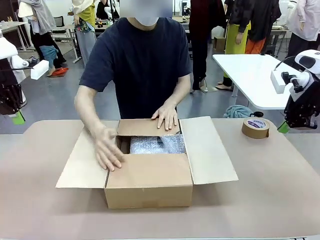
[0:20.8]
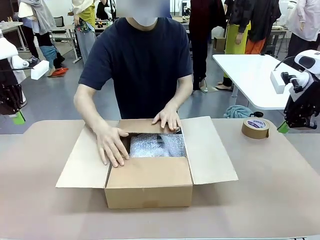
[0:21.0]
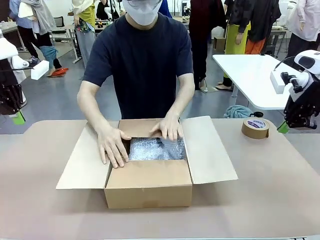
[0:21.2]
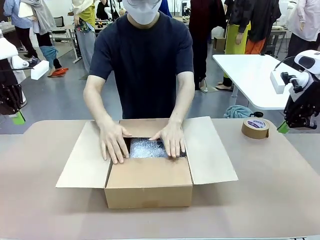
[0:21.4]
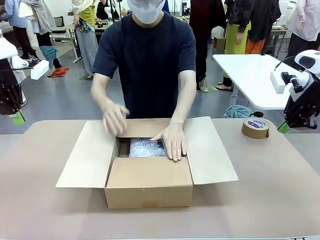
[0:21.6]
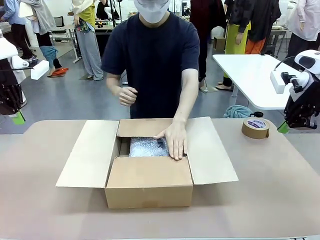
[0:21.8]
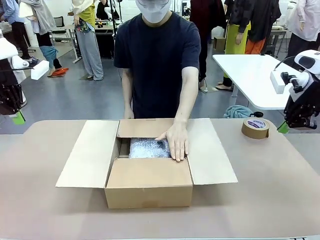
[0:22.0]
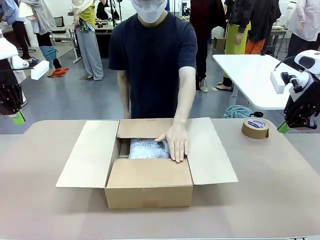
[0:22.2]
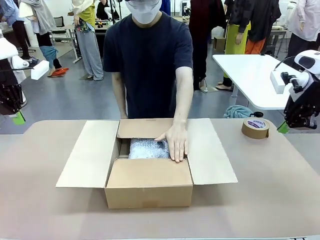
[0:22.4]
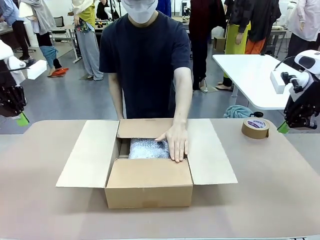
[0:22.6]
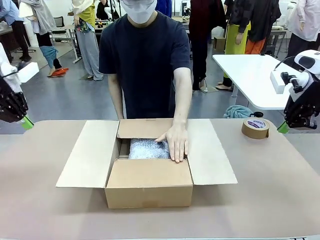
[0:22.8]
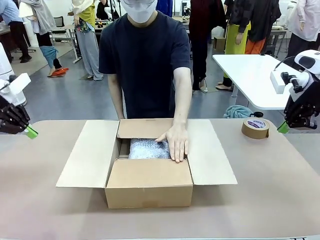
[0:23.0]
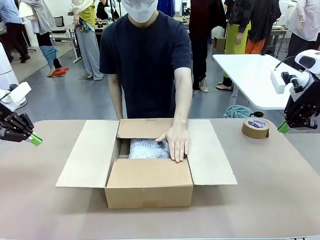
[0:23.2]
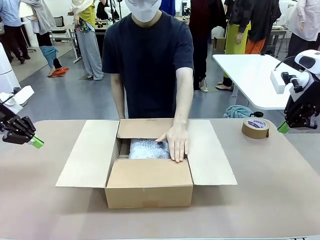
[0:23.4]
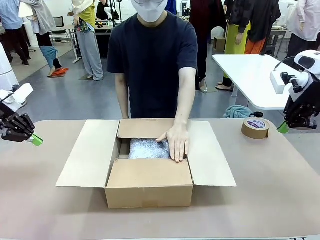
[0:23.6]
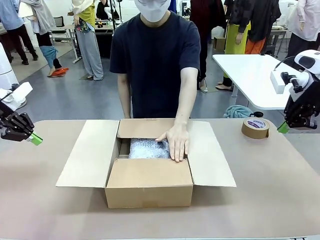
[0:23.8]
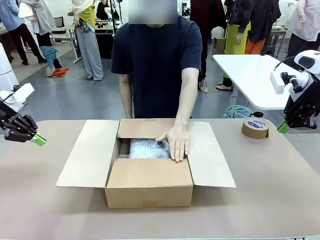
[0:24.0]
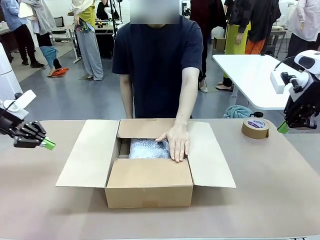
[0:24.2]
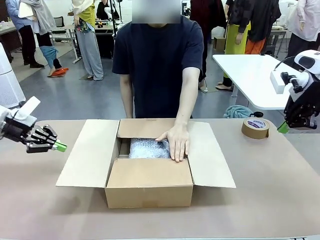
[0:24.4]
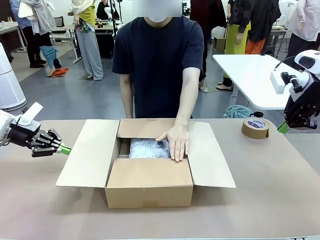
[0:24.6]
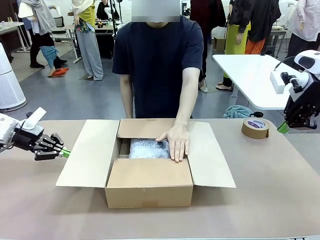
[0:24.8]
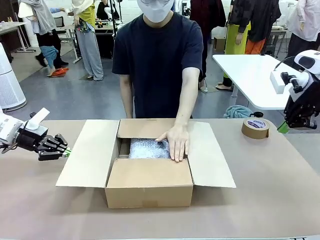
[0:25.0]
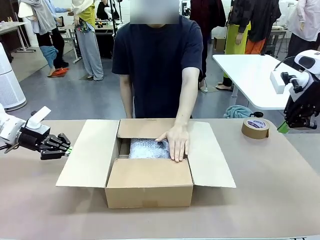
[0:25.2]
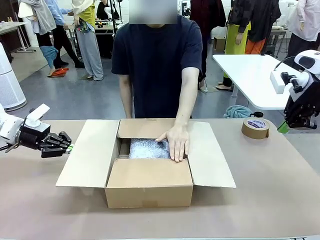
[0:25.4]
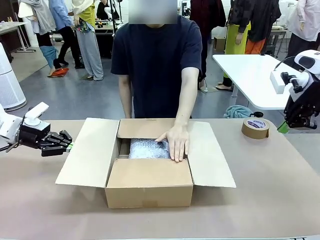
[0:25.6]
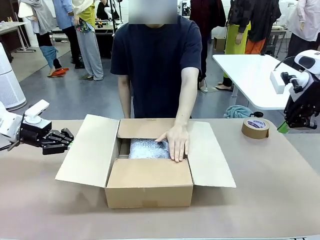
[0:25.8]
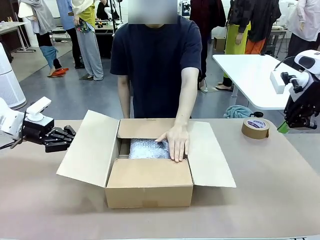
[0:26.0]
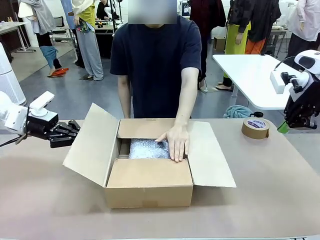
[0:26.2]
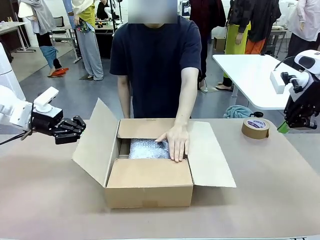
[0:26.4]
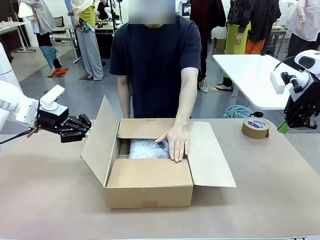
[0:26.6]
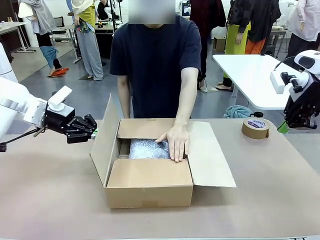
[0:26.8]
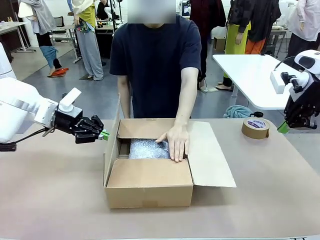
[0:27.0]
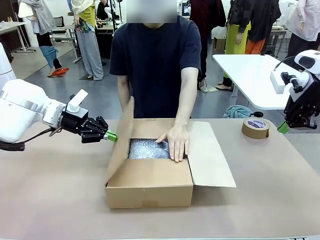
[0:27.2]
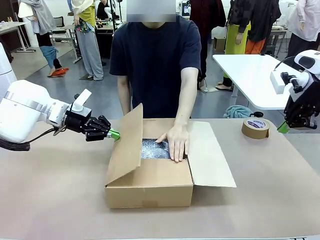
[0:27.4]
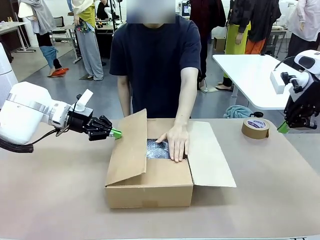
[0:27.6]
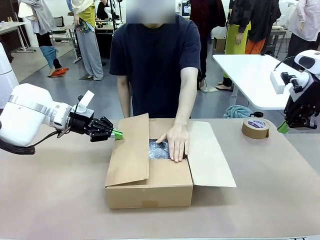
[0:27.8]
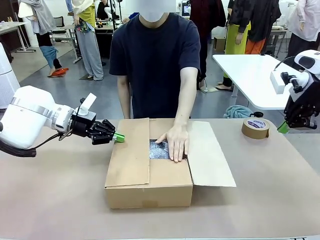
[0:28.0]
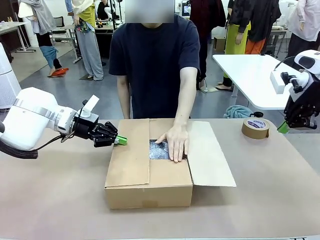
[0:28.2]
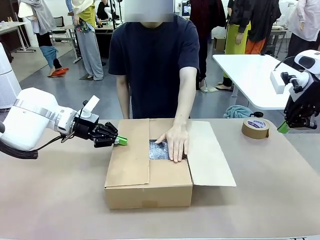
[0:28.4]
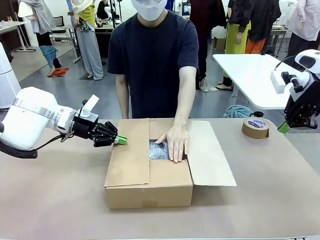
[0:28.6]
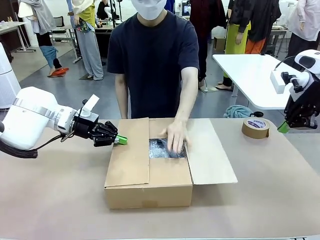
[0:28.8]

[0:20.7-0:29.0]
Task: Wrap the clocks to prevent damage.
Robot: Push the right (or left) flap of the Package Box to close it.
Person: Once the robot closes the right flap of the Package Box , release your left hand from the box.

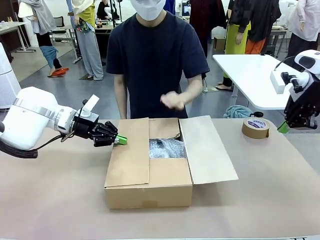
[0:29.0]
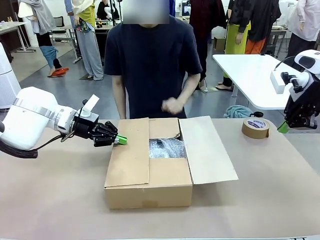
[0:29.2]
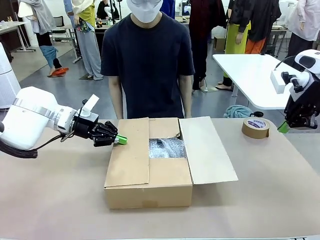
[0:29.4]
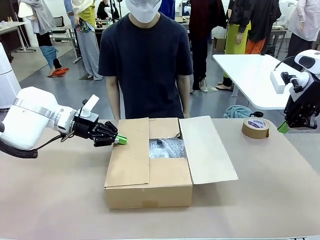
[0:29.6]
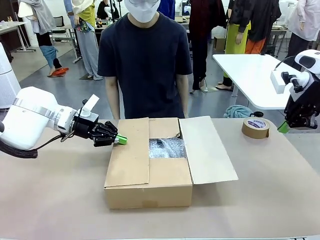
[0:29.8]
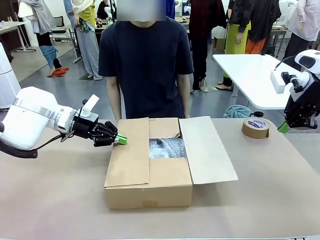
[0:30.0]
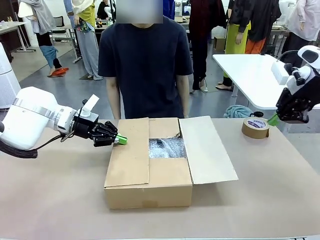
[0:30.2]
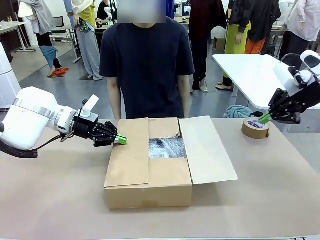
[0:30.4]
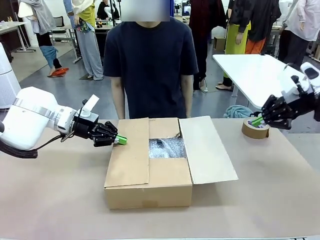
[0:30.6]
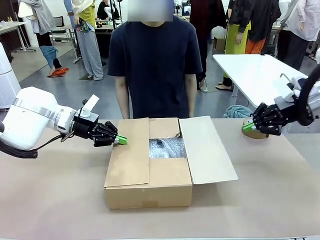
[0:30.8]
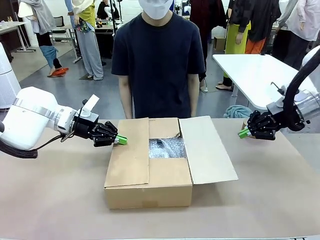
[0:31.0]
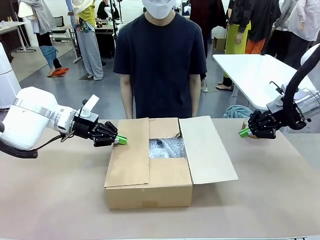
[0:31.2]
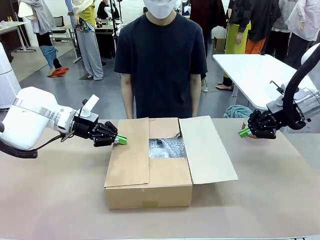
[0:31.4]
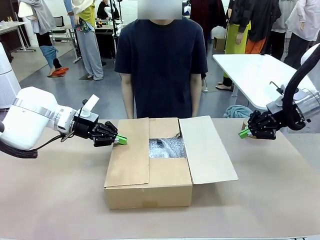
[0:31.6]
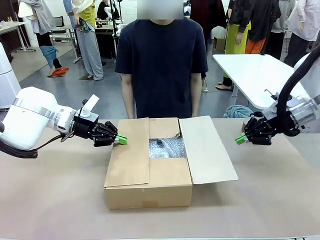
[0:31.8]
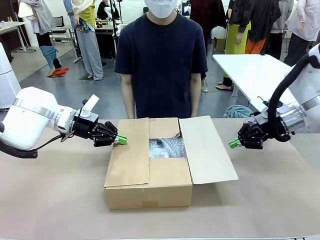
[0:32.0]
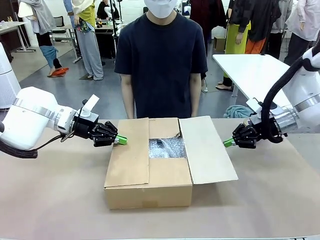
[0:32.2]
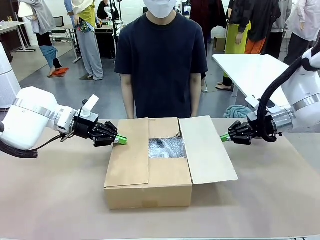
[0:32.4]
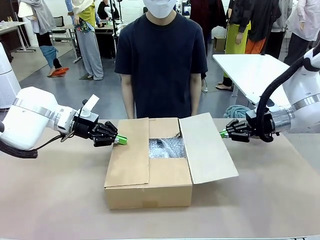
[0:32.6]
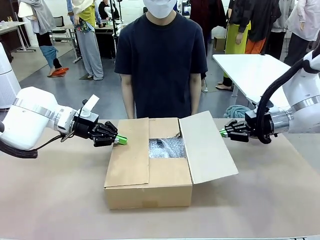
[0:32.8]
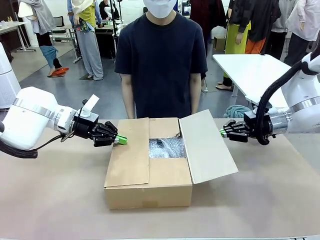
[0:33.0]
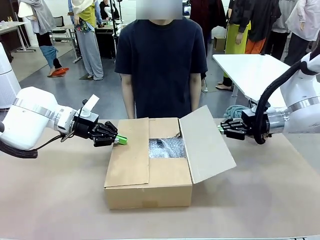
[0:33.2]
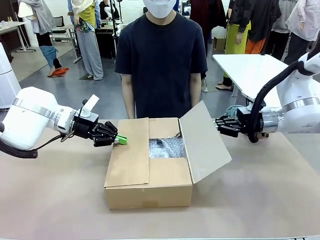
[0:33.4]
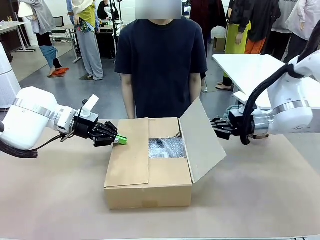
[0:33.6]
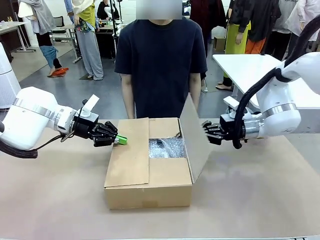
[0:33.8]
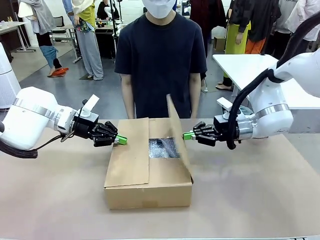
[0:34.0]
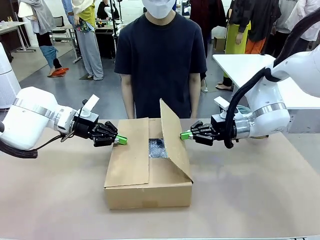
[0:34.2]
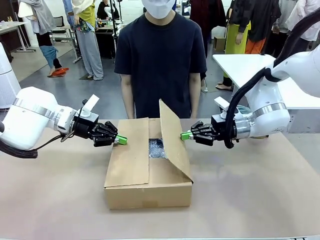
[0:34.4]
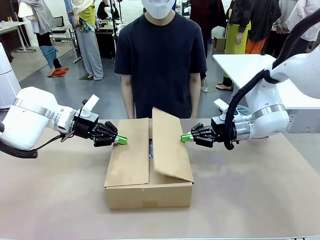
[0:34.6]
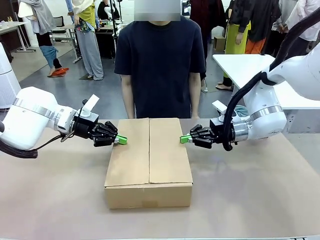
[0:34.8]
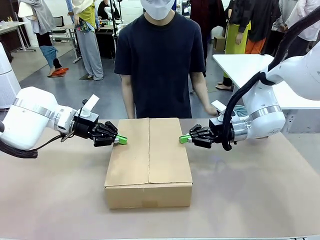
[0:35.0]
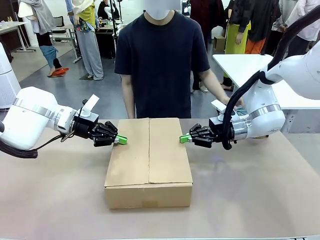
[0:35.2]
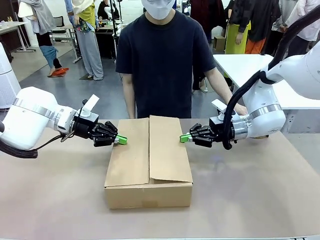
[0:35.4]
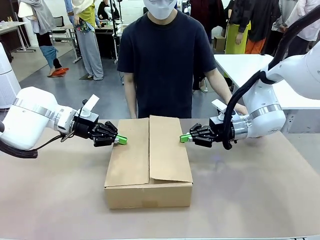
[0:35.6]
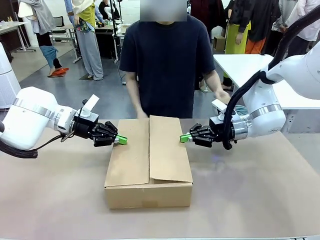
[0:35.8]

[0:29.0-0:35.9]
Robot: Push the left (or right) flap of the Package Box to close it.
